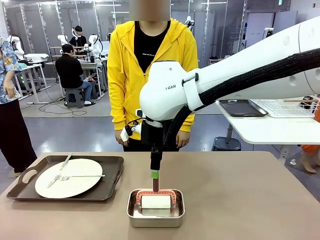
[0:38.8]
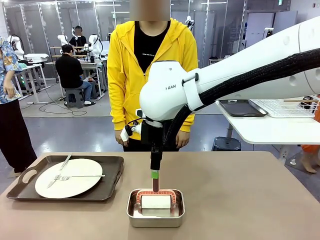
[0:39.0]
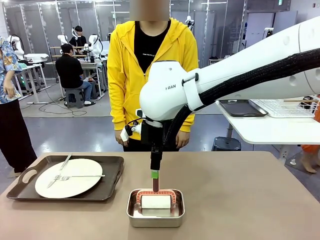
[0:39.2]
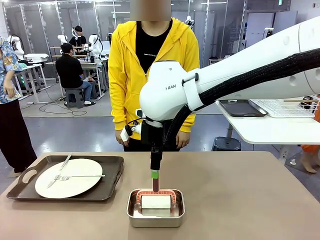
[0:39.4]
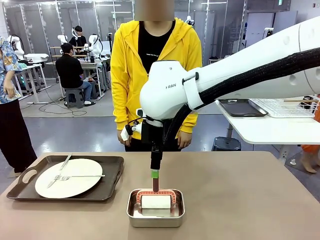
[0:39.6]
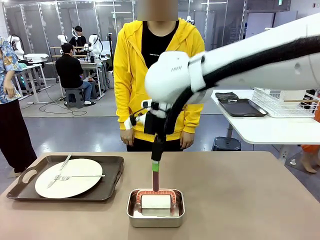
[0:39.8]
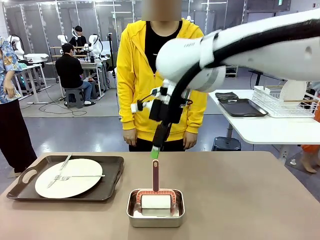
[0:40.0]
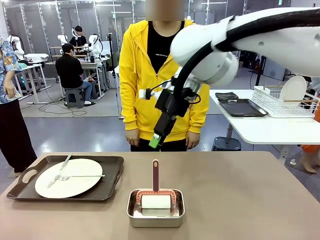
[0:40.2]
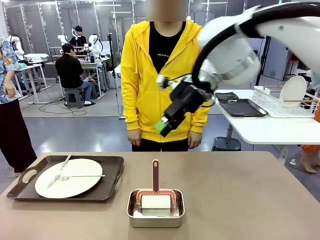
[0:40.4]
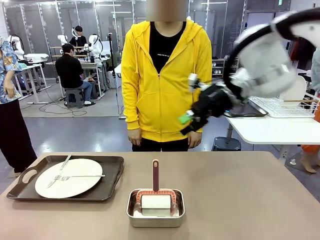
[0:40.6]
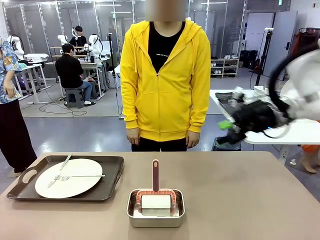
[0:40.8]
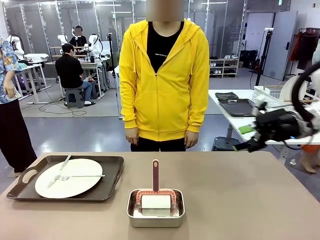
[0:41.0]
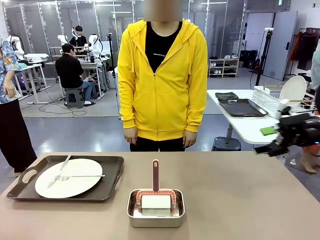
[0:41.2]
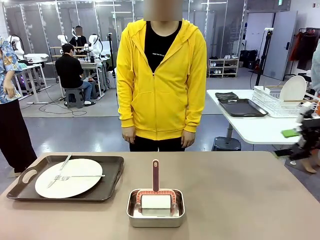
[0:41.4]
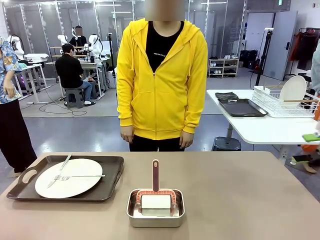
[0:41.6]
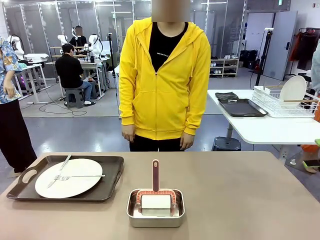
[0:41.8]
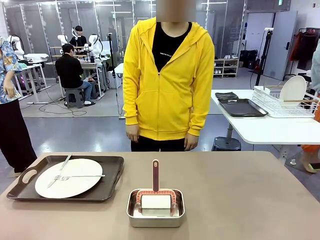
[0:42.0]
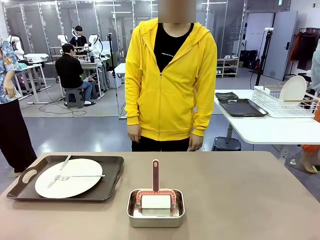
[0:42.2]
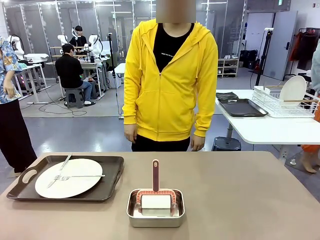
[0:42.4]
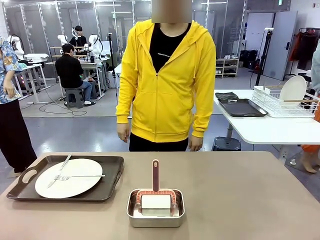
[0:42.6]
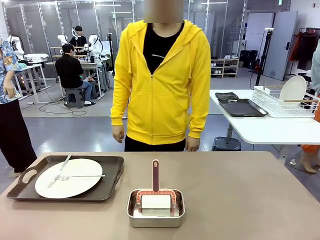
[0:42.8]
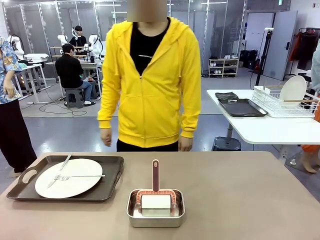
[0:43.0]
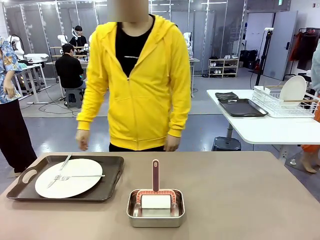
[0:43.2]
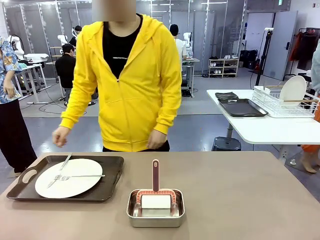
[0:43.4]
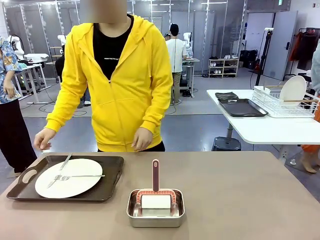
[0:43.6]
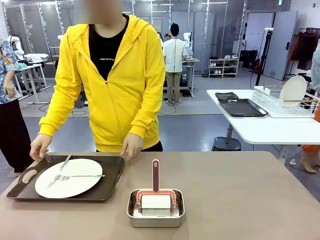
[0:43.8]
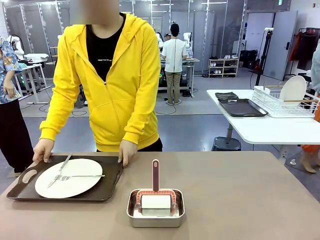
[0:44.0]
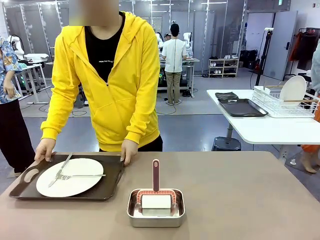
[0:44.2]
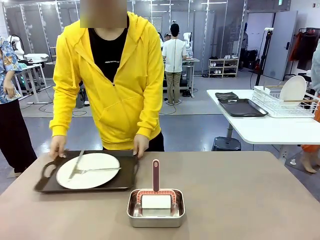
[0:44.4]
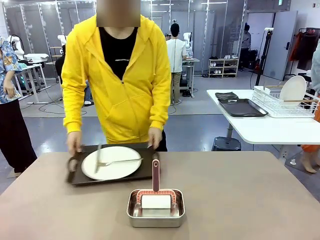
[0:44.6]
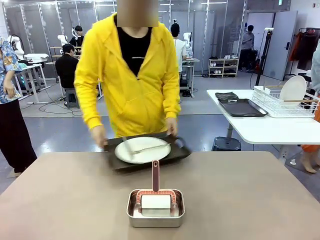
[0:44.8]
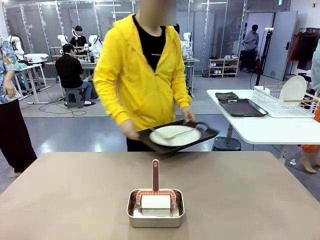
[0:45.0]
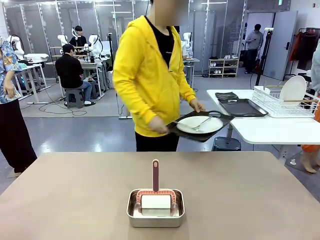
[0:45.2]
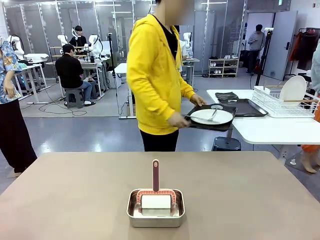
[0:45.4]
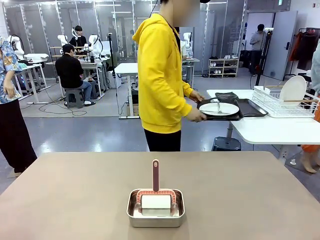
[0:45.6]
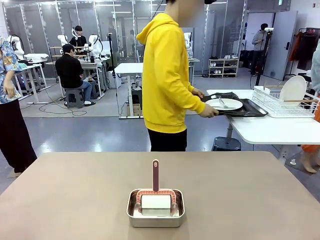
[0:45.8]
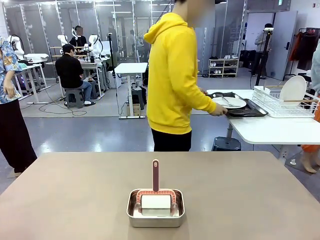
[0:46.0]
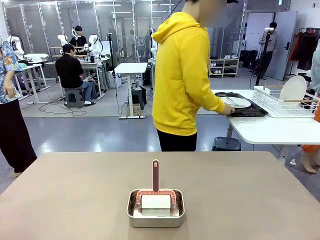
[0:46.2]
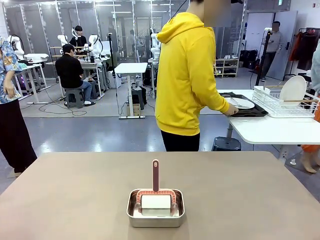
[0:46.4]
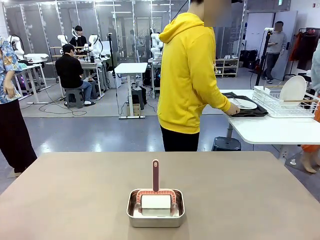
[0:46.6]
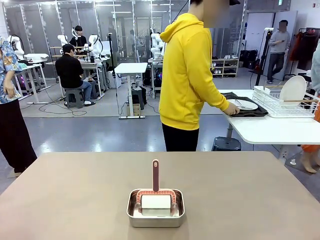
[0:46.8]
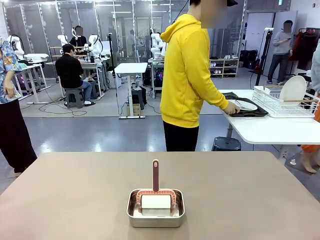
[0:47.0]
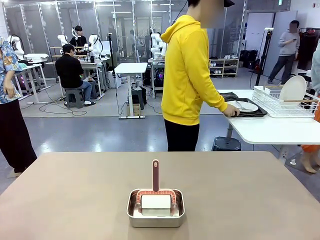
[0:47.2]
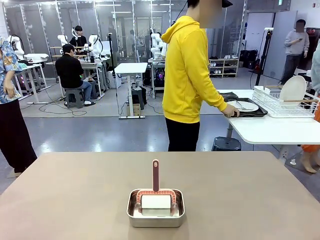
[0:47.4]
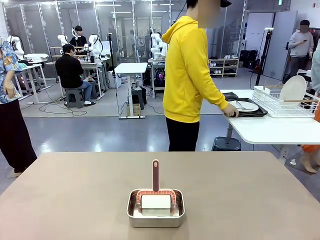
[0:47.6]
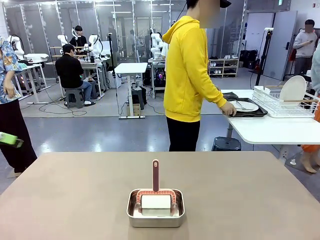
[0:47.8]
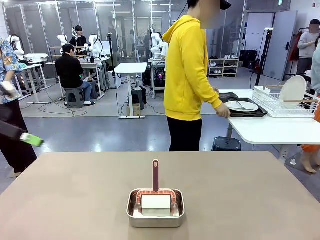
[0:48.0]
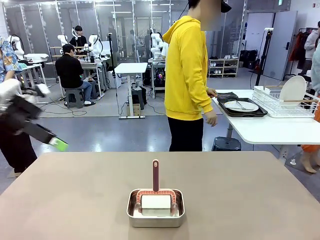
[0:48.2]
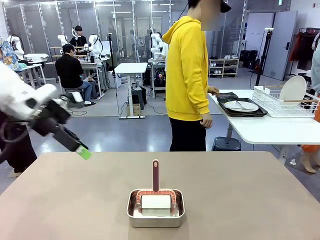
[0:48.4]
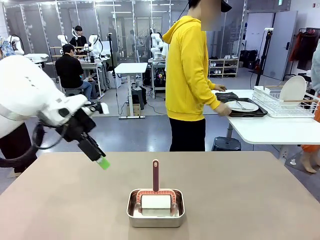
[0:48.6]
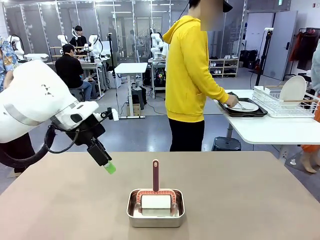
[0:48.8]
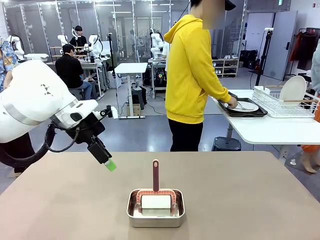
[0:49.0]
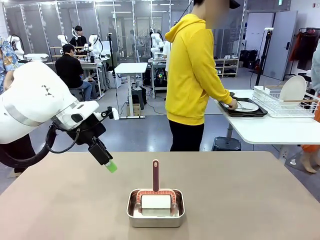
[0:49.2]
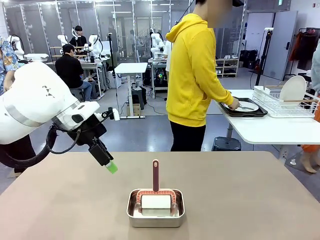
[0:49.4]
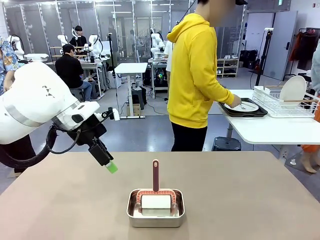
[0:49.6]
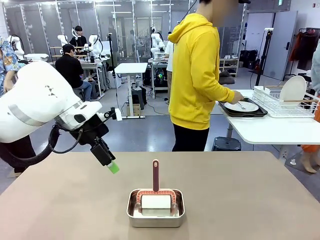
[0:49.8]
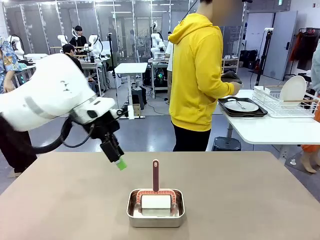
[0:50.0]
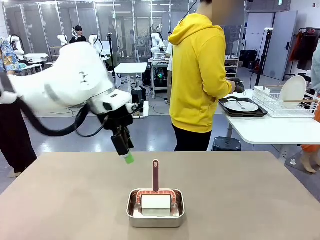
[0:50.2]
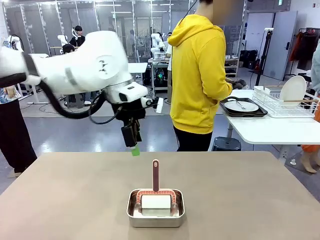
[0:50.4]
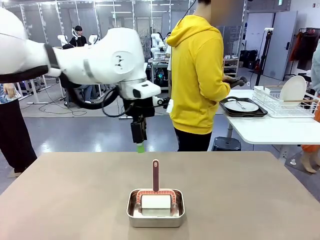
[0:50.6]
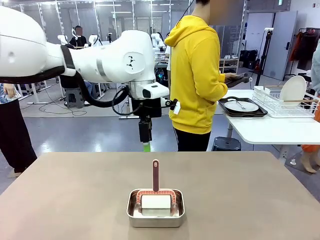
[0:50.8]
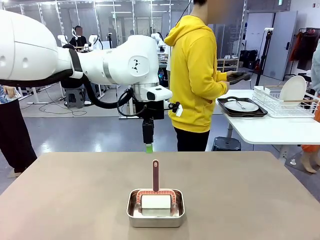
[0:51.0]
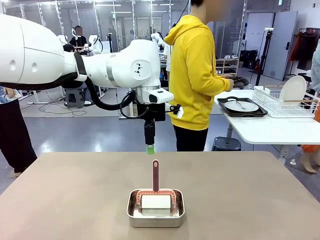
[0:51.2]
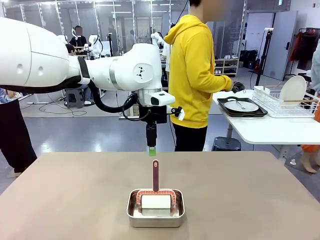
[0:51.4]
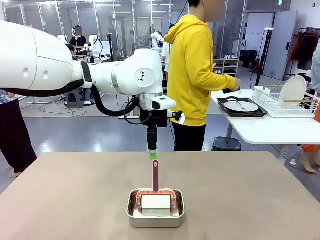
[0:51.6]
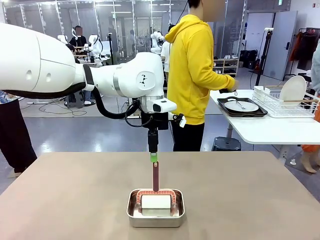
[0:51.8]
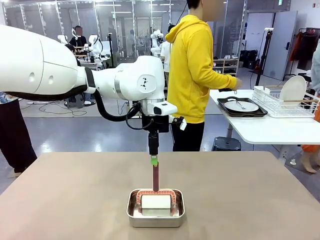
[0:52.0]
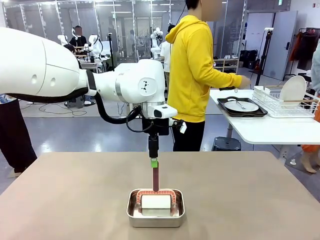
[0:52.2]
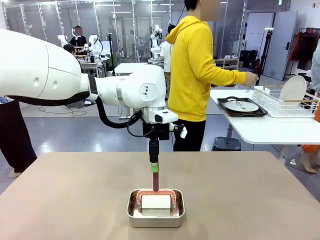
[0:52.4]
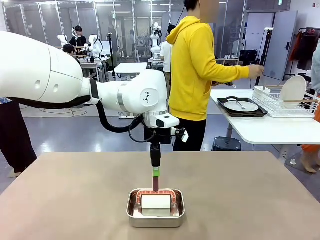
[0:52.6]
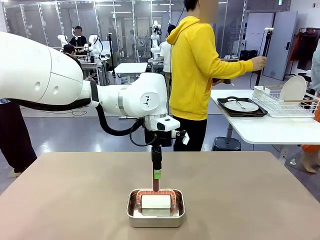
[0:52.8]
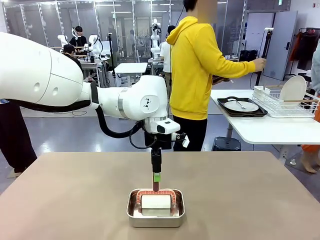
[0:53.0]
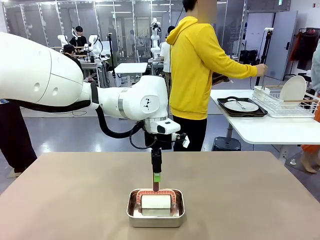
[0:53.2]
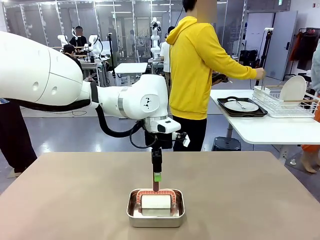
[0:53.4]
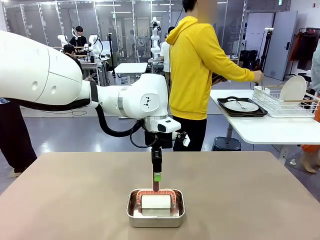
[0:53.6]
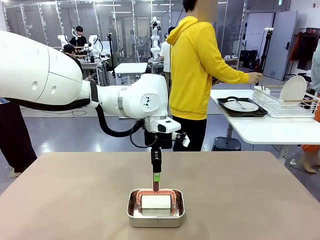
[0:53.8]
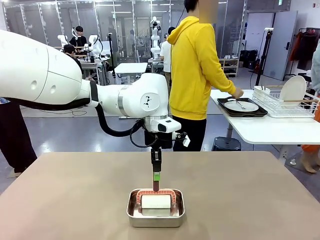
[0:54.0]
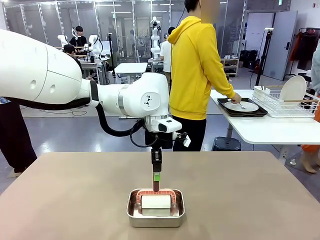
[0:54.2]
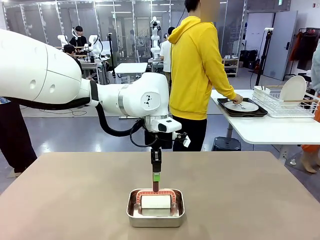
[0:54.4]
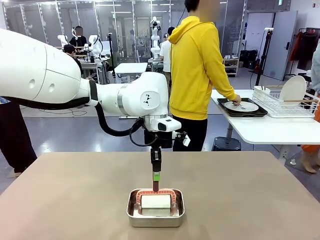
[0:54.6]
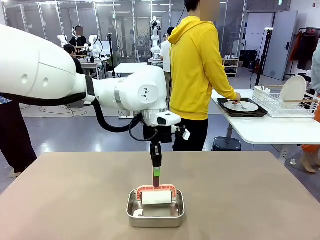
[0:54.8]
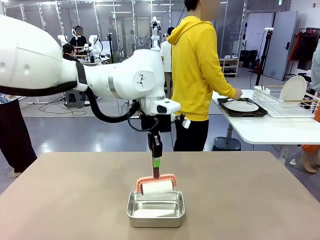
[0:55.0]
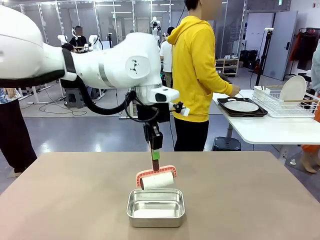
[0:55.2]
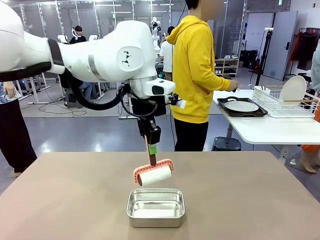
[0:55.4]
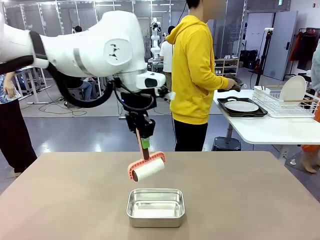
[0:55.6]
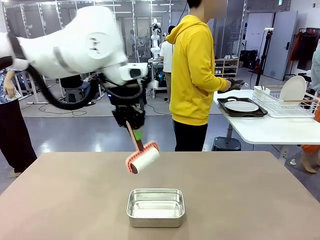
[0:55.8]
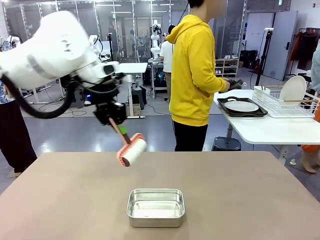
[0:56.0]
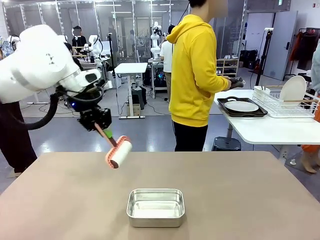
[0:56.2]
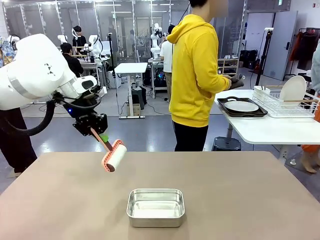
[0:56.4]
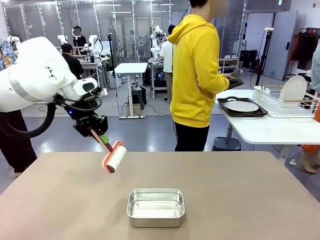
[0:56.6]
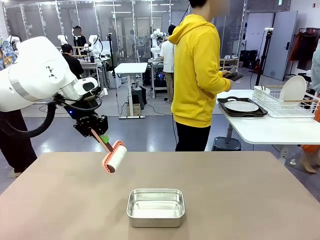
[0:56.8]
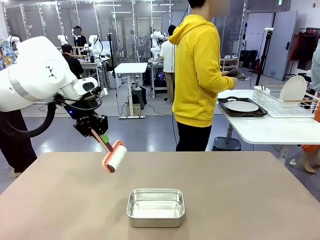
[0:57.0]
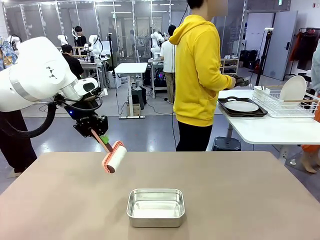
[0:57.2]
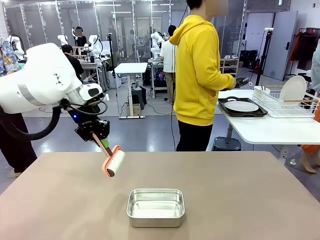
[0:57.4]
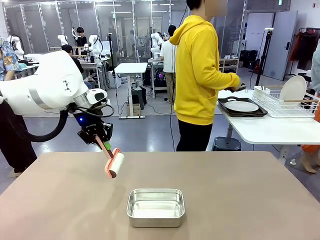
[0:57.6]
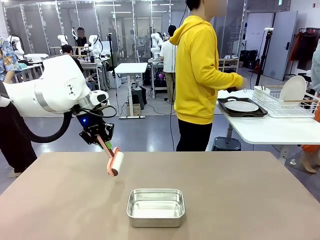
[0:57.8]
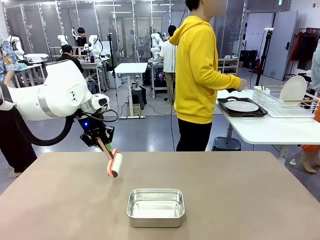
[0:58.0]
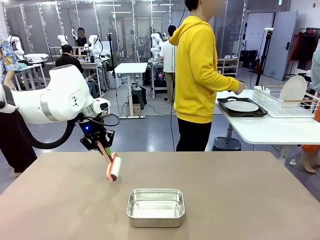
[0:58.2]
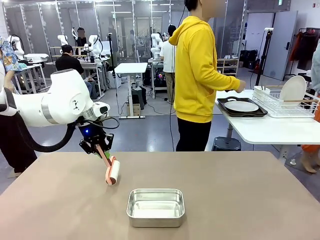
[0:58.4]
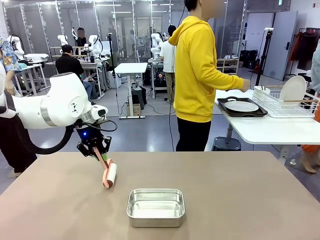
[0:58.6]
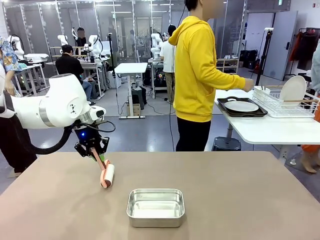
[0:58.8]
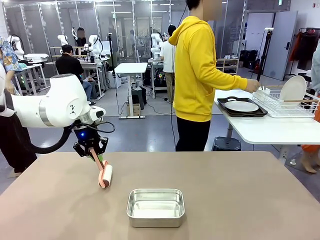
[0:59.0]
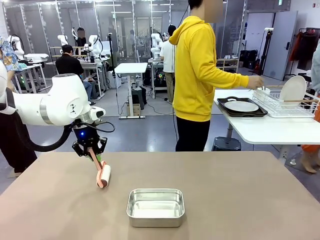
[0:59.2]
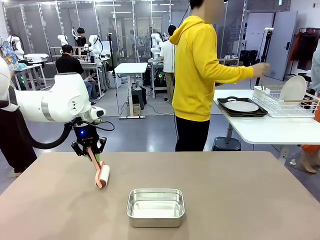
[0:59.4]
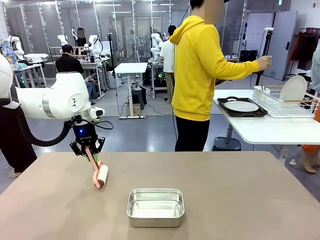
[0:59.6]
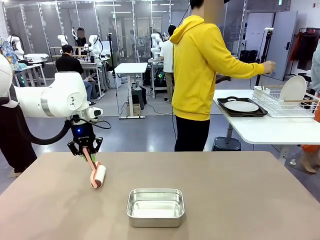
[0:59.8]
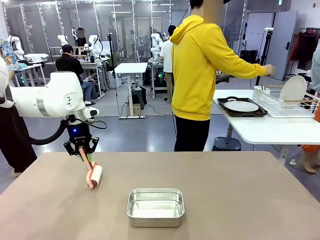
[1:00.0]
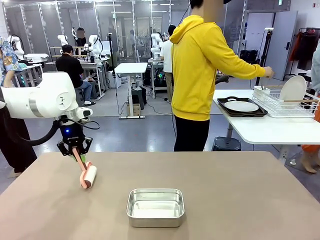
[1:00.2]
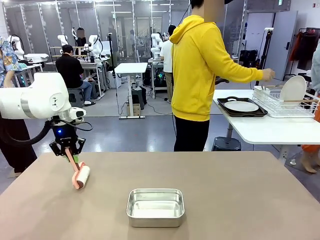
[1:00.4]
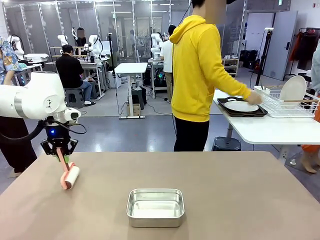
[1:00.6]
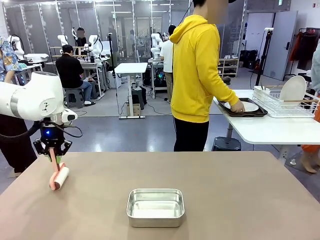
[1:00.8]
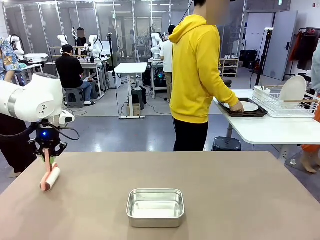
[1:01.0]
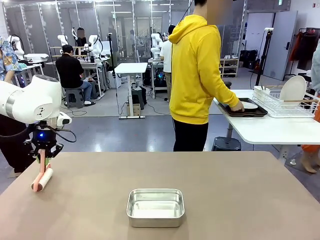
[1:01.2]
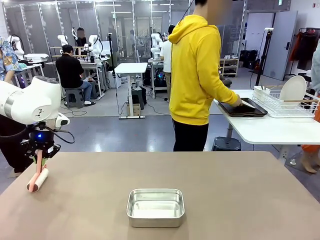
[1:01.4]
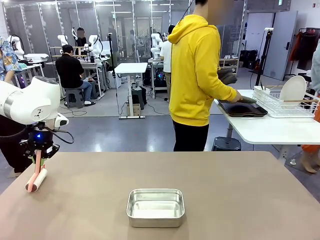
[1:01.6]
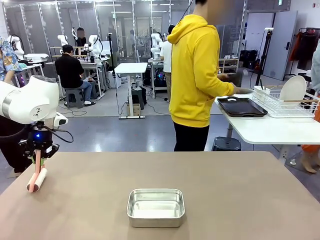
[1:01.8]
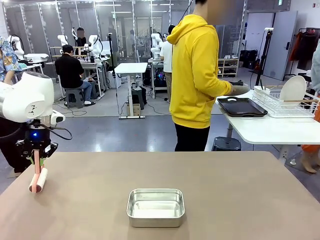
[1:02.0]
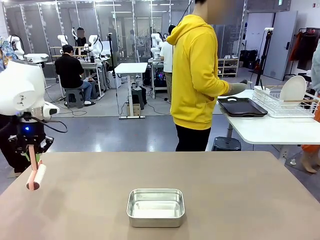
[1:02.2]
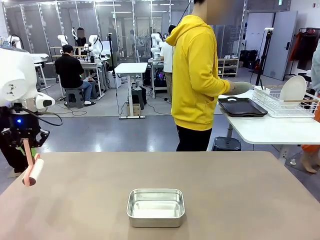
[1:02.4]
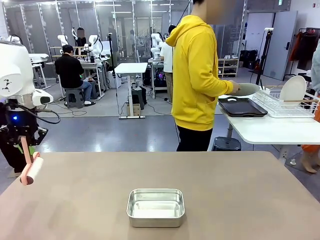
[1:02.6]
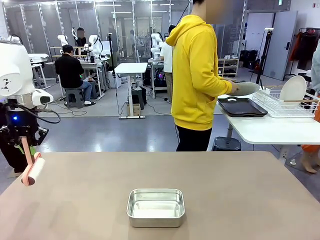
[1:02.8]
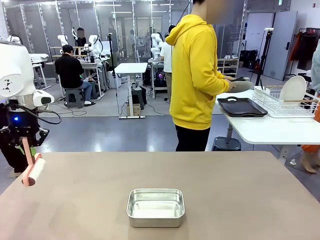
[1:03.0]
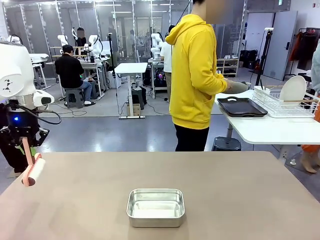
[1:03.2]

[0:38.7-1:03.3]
Robot: When the right (or left) Handle tray is removed, use the right hand (or left hand) to clean the right (or left) side of the table with the Lint Roller.
Person: Use the Towel with hook to wipe the Plastic Matte Plate , Fork , and Knife and place into the Dish drying rack.
